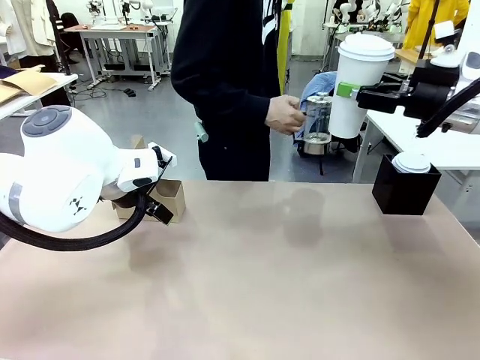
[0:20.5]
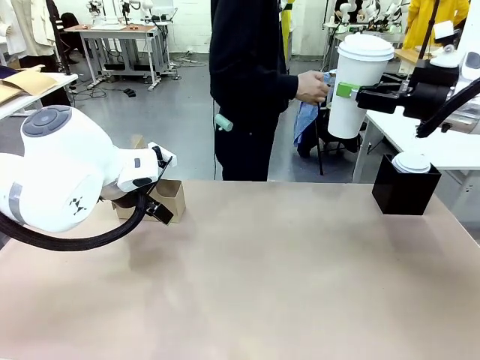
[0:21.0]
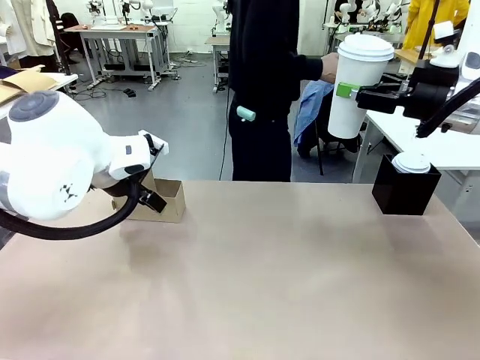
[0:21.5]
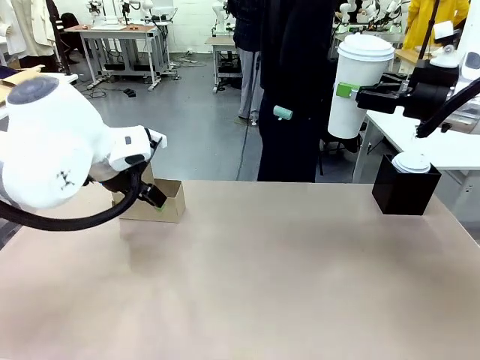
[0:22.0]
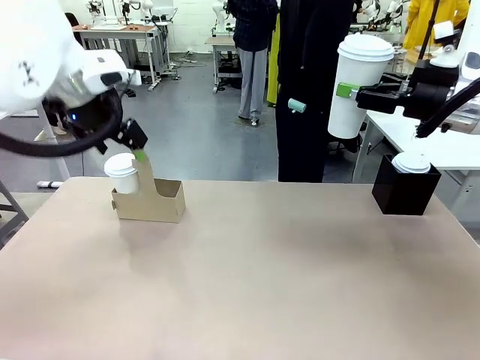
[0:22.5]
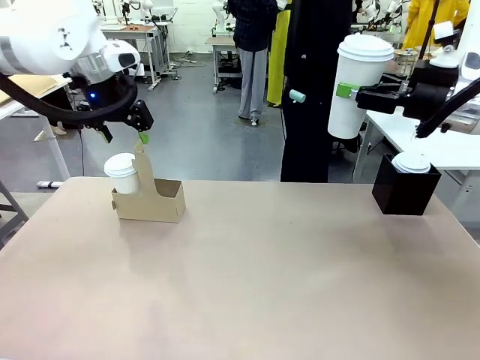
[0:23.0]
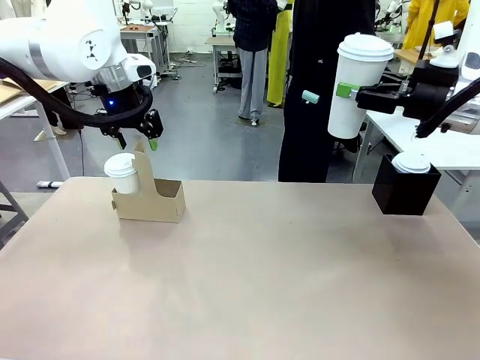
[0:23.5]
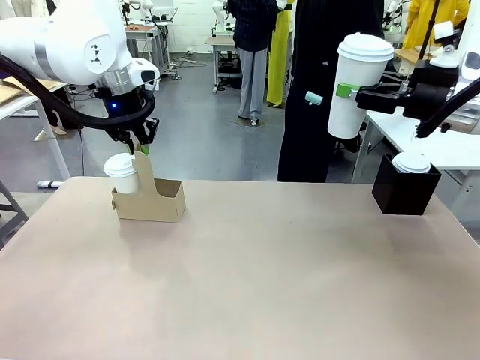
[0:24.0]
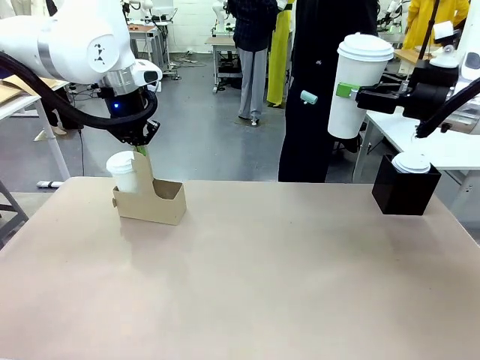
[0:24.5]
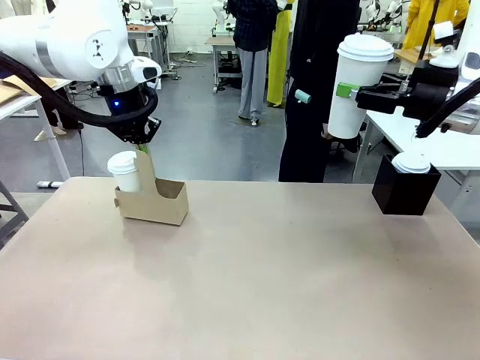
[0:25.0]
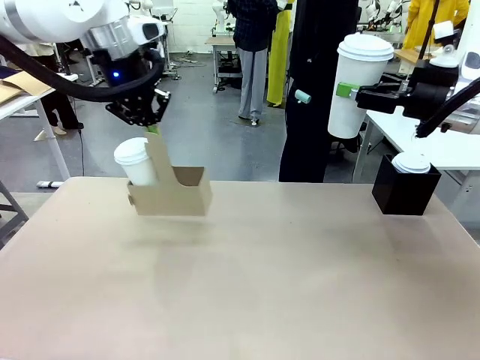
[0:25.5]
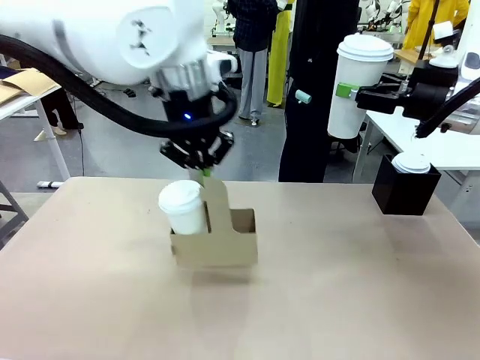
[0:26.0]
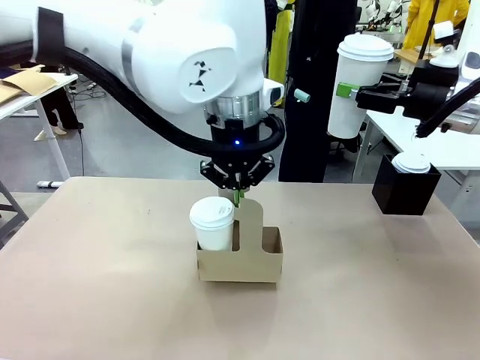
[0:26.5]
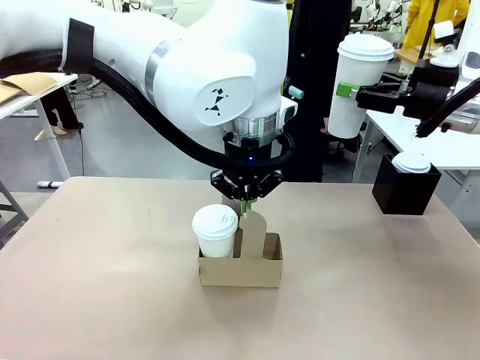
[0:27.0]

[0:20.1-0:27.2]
Task: Pour a drink into a cup and package it in a carrier.
Robot: Position the Cup Carrier in the center of the table.
Person: Pick up the Filter Brewing and place on the middle of Human table, and return to the Robot table.

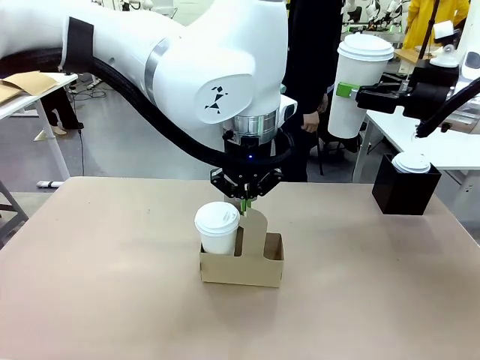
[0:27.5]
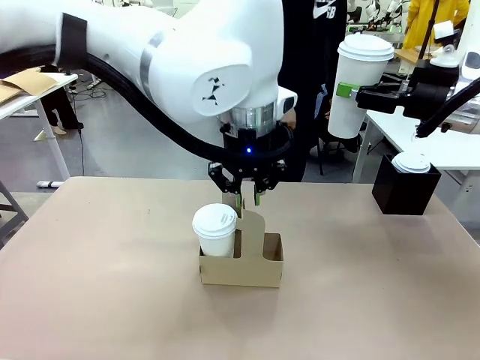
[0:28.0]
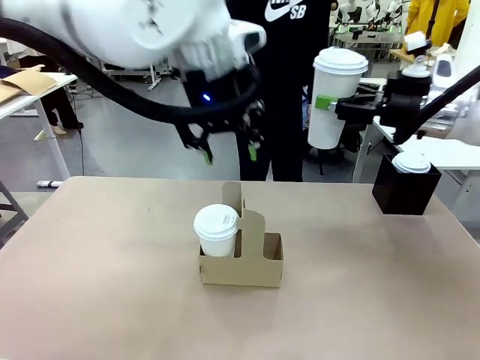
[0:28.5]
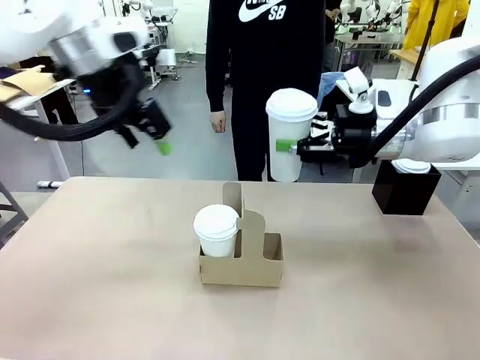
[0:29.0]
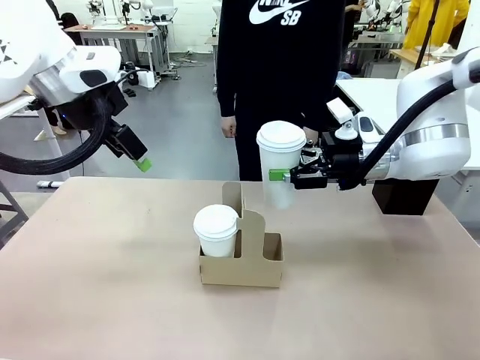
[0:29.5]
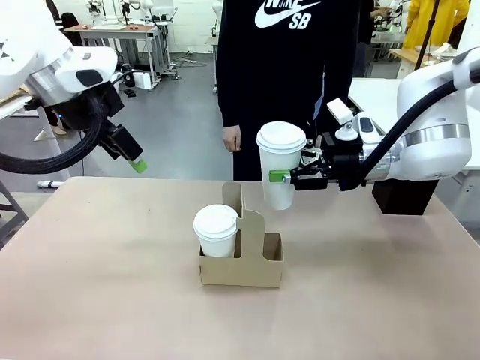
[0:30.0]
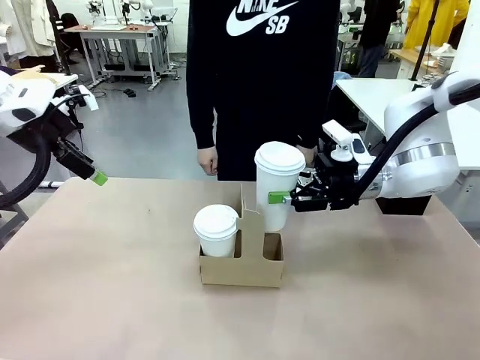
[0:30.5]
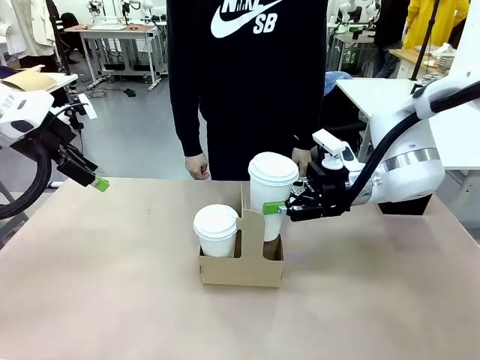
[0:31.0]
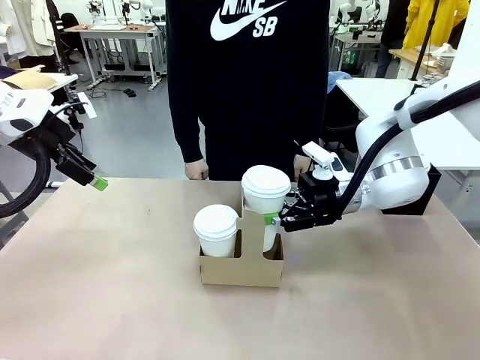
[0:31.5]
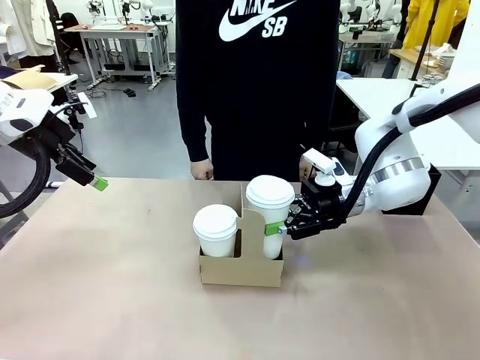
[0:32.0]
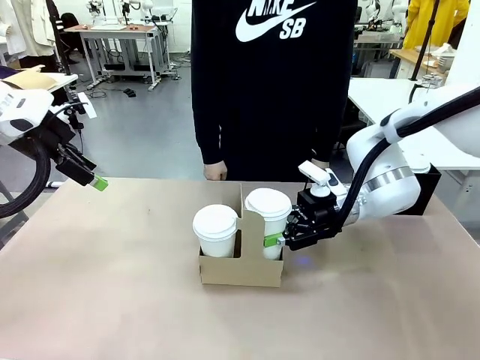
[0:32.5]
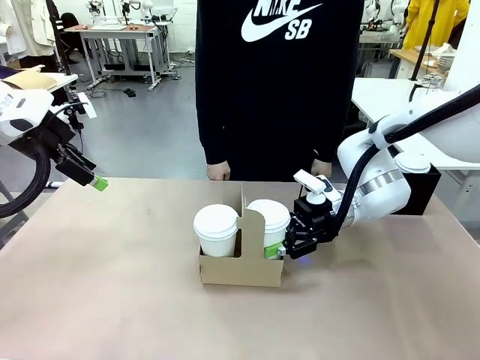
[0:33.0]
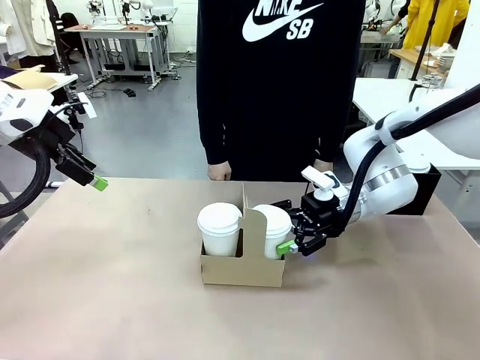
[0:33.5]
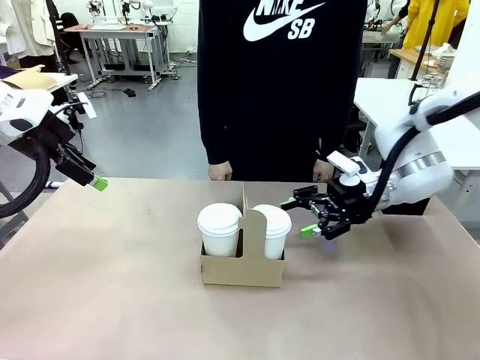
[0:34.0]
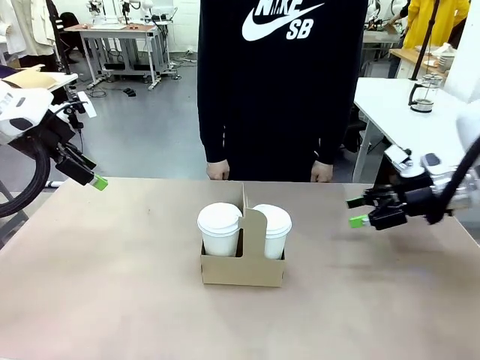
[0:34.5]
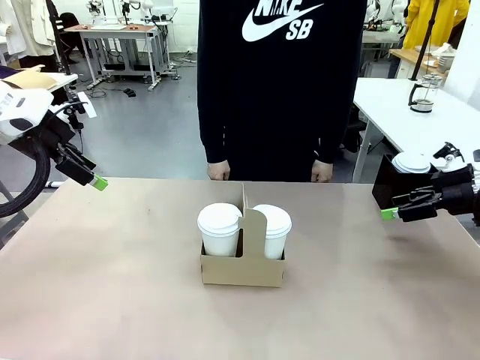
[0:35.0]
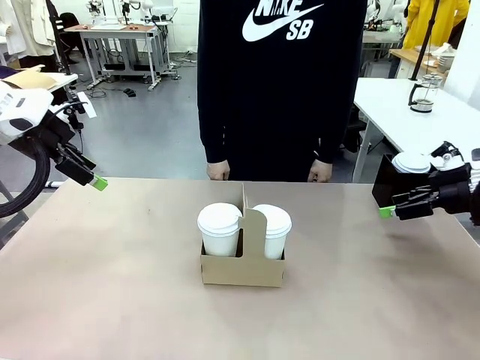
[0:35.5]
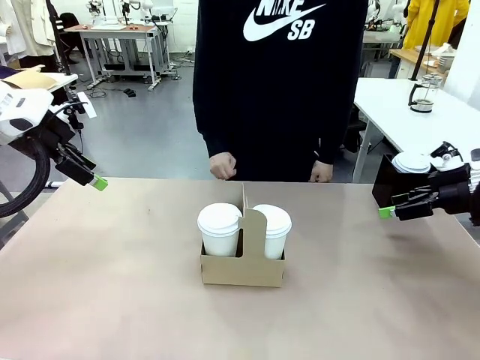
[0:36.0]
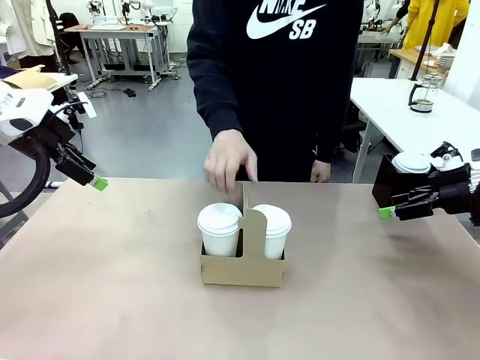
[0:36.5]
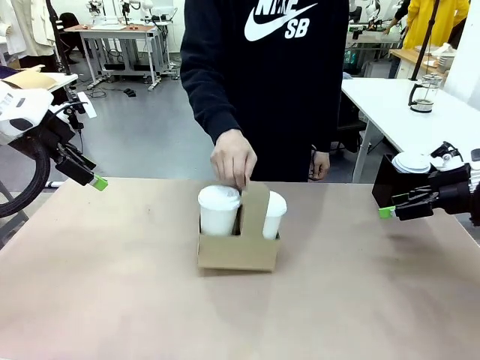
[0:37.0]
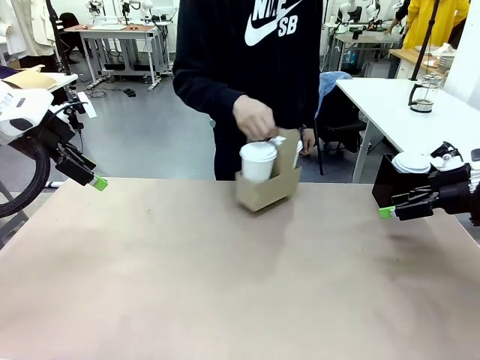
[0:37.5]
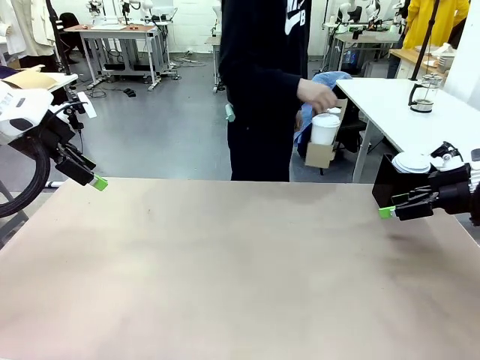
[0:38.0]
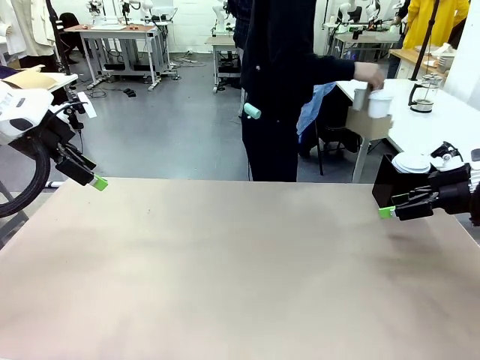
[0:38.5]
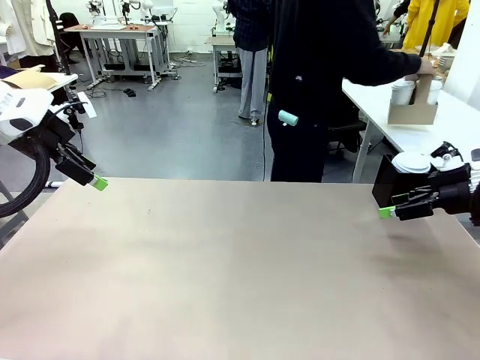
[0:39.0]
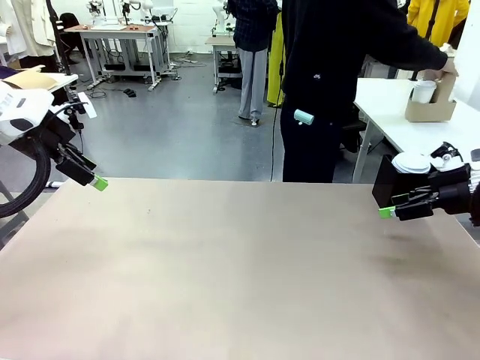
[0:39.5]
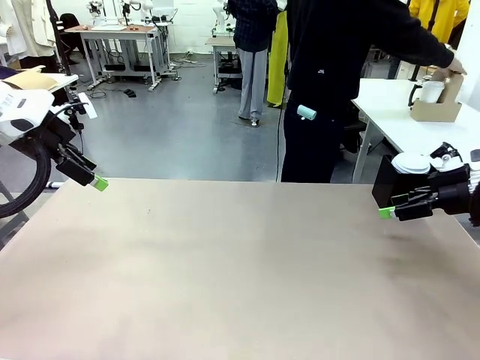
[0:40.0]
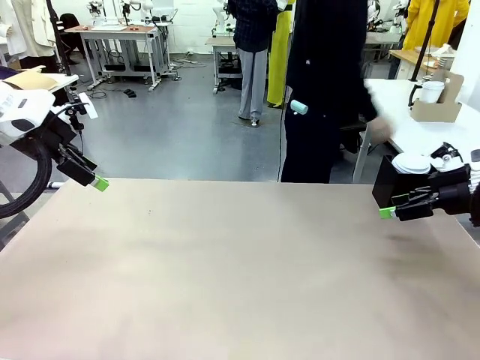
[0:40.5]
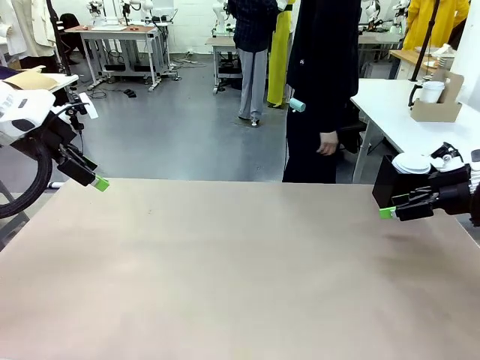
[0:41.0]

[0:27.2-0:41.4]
Robot: Insert the held 600 ml Paper Cup into the Cup Carrier.
Person: Place the Cup Carrier to the middle of Human table.

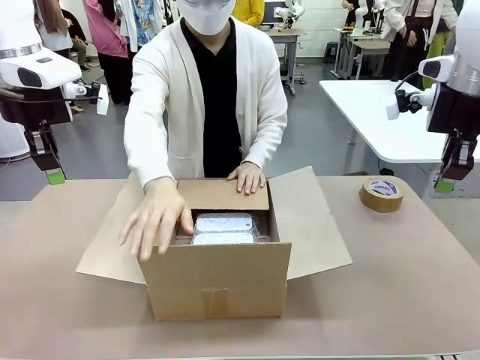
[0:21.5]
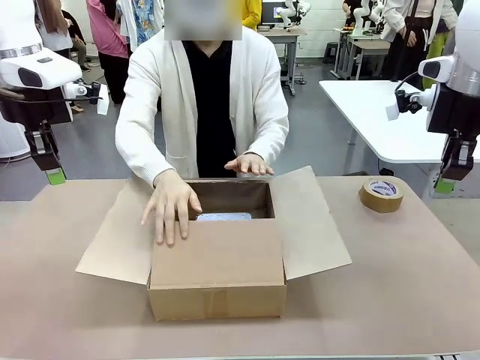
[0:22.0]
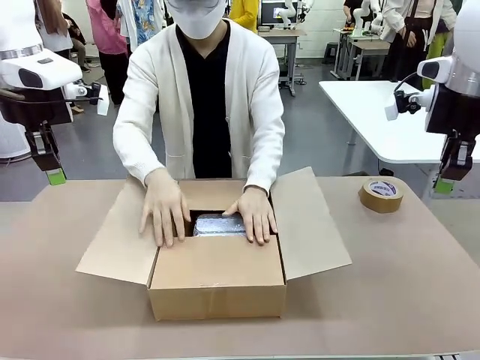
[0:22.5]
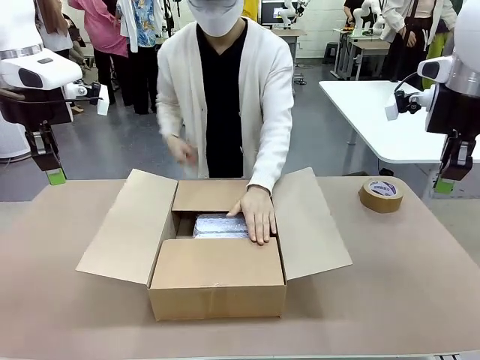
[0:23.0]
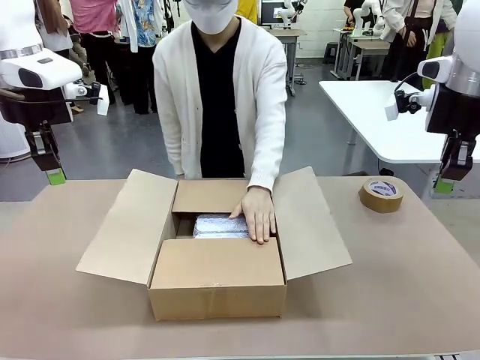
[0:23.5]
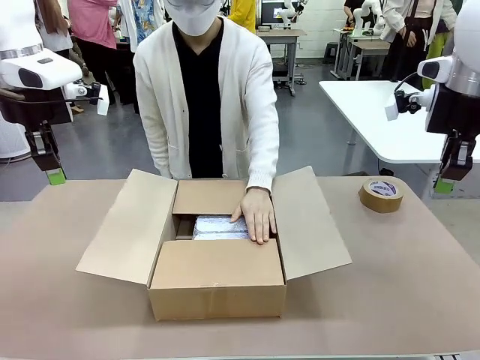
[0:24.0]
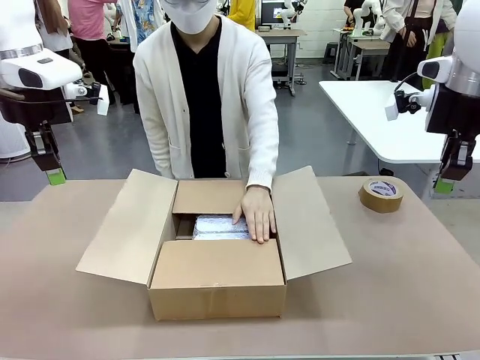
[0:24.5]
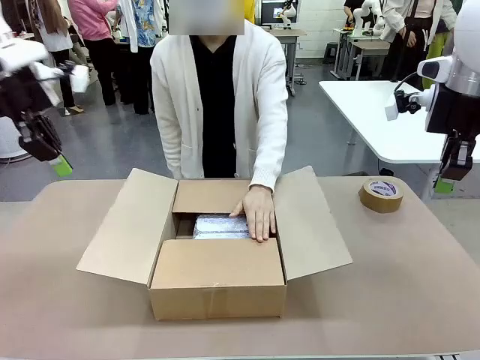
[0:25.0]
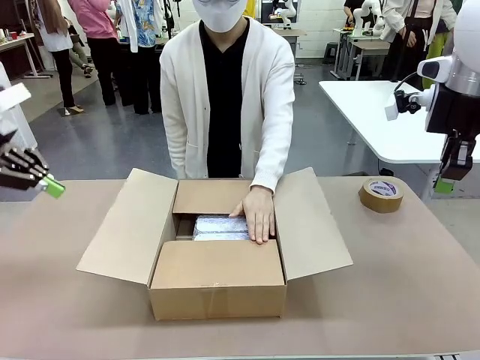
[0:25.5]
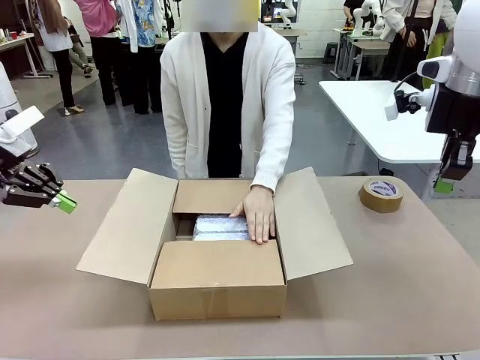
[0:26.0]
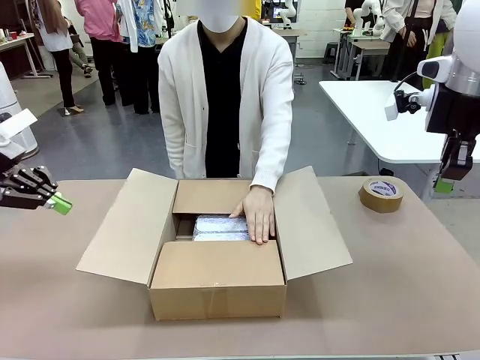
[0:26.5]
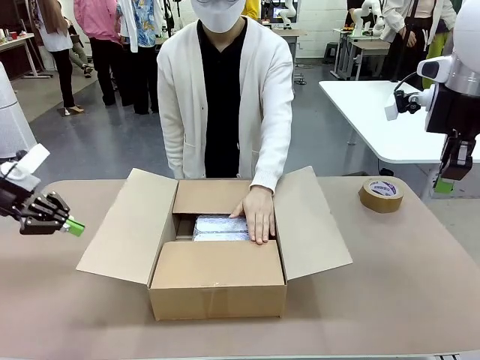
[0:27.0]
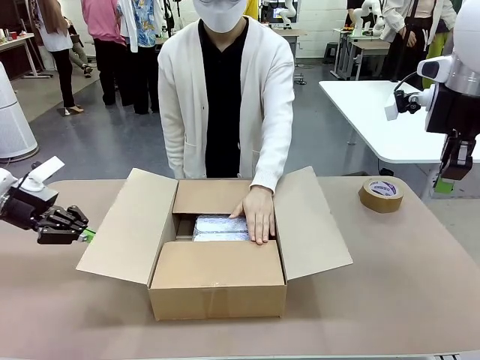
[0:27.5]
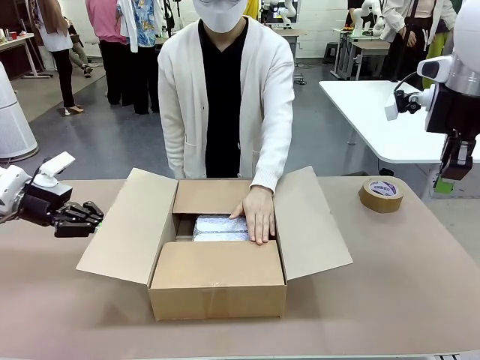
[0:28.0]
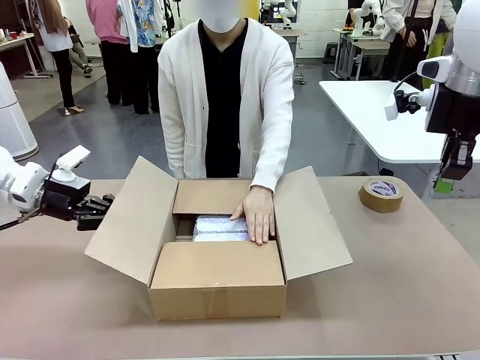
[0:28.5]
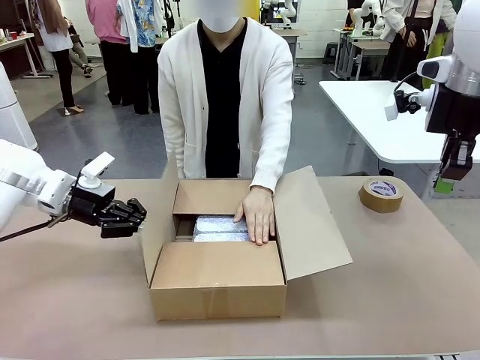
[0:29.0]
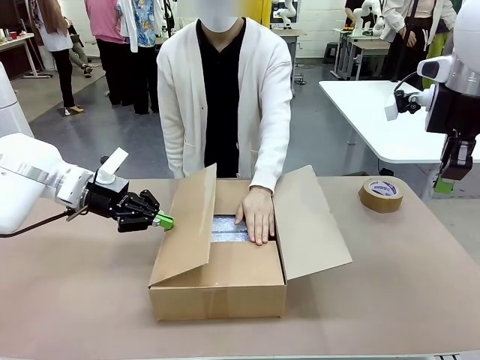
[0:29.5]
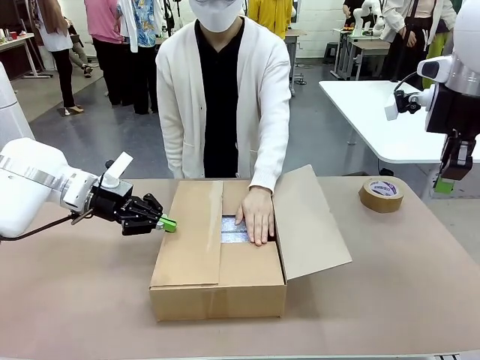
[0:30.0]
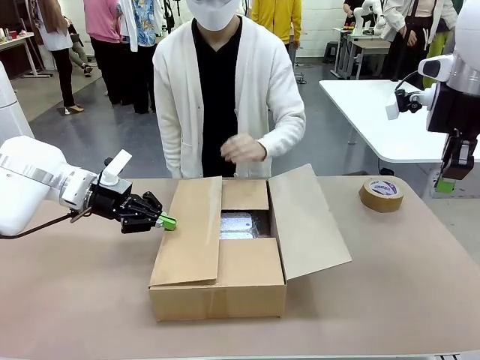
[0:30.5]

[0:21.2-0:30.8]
Task: Wrap the clocks to prevent damage.
Robot: Push the right (or left) flap of the Package Box to close it.
Person: Hold the top and bottom flaps of the Package Box closed with your left (or right) hand. Once the robot closes the right flap of the Package Box , release your left hand from the box.
